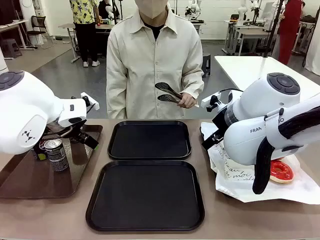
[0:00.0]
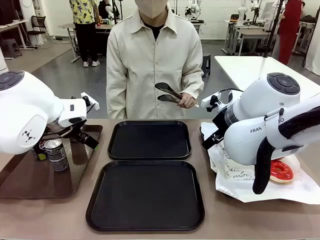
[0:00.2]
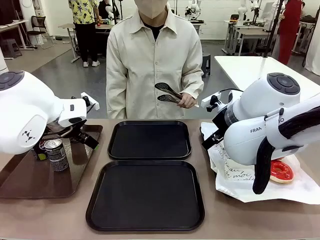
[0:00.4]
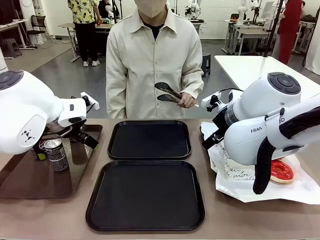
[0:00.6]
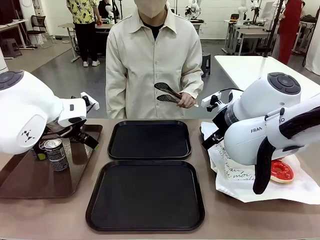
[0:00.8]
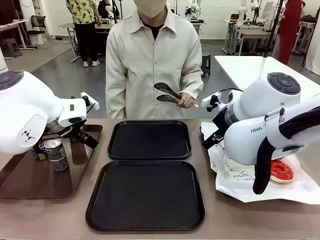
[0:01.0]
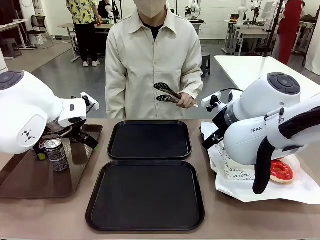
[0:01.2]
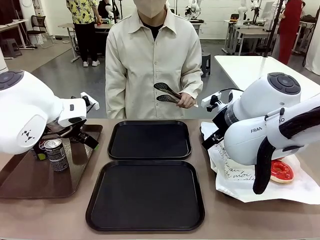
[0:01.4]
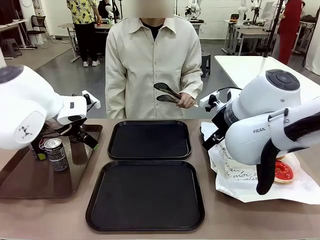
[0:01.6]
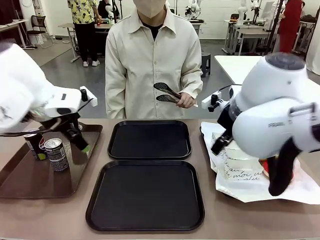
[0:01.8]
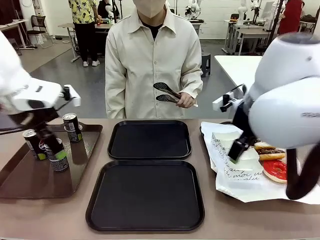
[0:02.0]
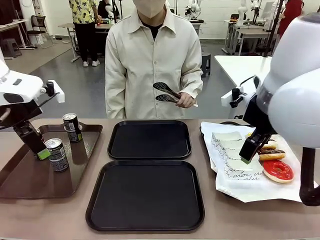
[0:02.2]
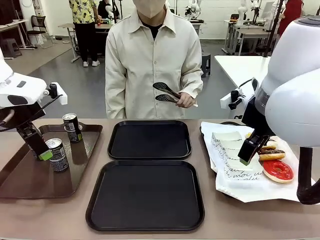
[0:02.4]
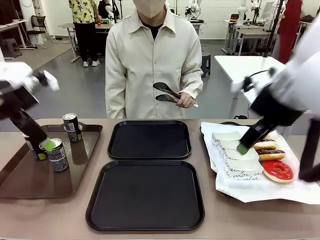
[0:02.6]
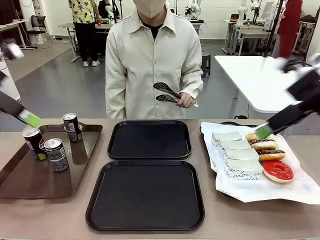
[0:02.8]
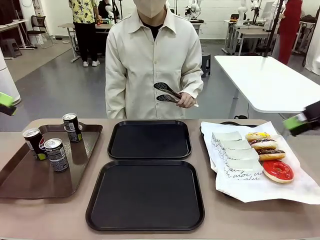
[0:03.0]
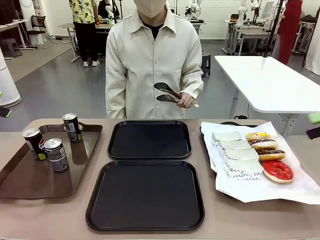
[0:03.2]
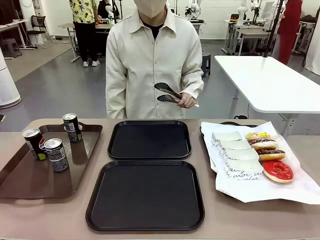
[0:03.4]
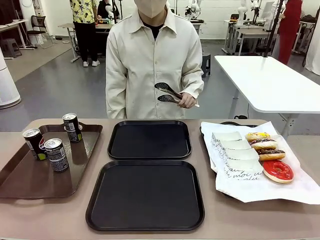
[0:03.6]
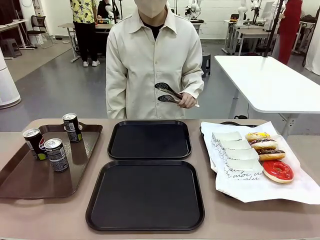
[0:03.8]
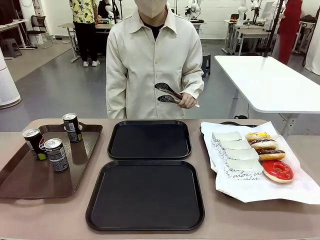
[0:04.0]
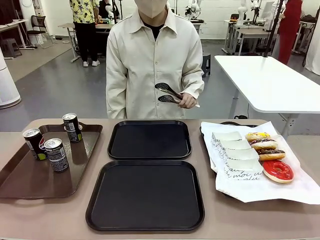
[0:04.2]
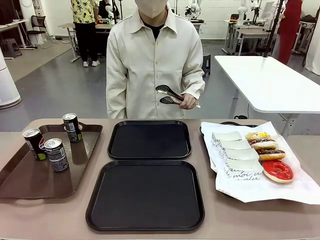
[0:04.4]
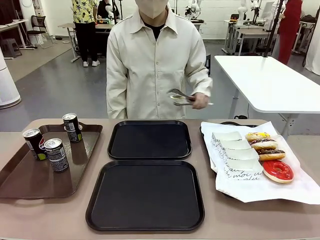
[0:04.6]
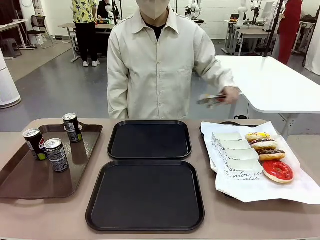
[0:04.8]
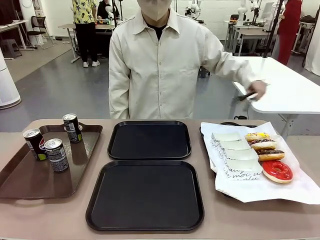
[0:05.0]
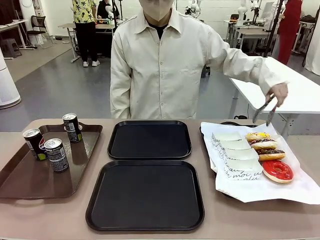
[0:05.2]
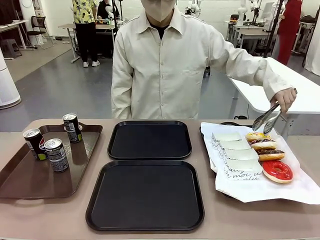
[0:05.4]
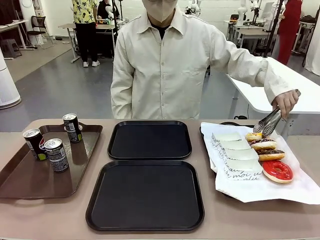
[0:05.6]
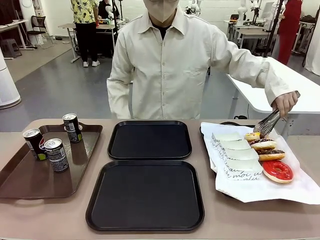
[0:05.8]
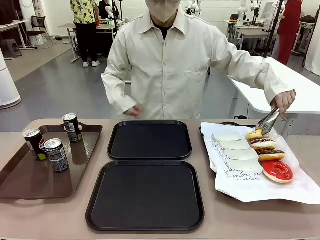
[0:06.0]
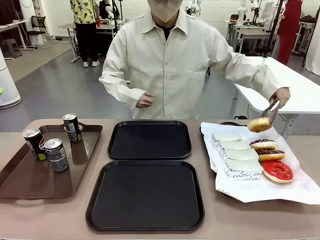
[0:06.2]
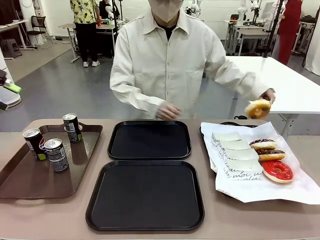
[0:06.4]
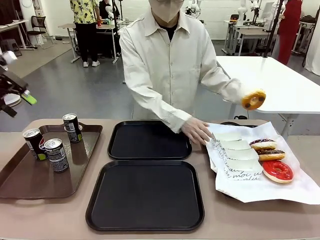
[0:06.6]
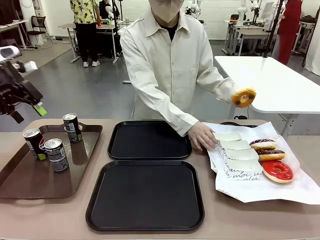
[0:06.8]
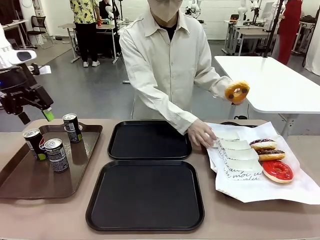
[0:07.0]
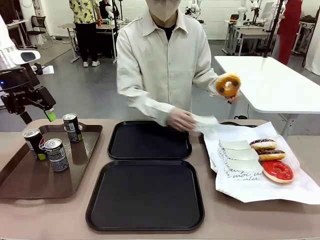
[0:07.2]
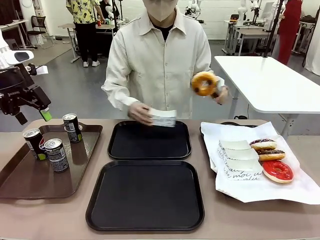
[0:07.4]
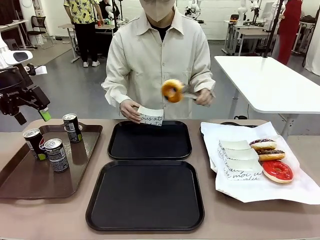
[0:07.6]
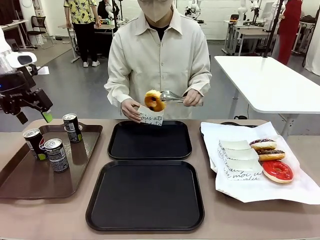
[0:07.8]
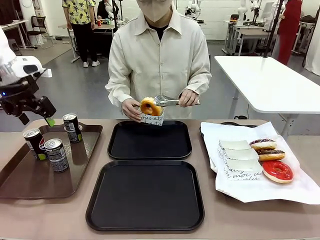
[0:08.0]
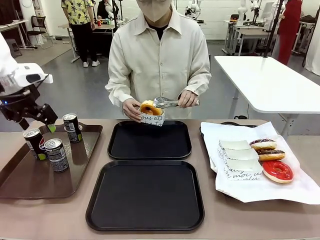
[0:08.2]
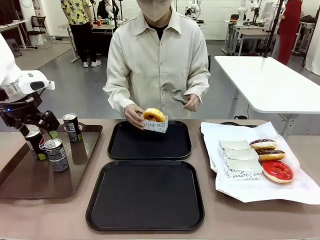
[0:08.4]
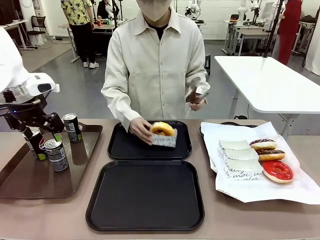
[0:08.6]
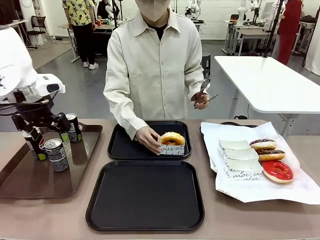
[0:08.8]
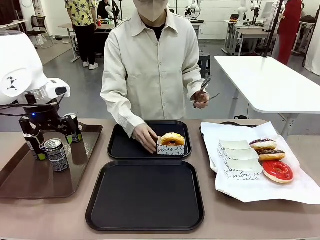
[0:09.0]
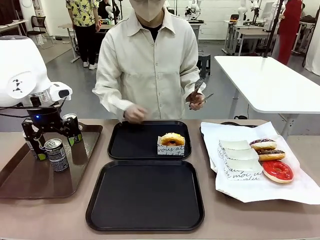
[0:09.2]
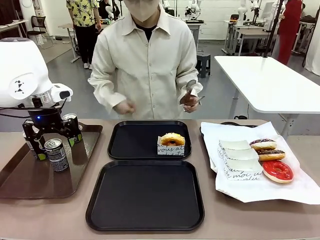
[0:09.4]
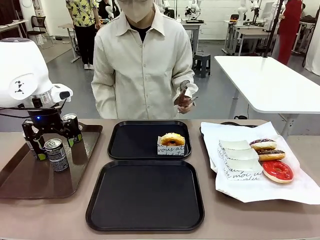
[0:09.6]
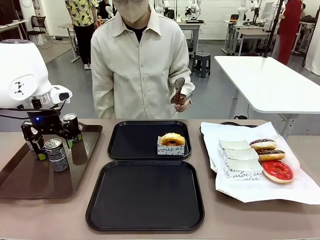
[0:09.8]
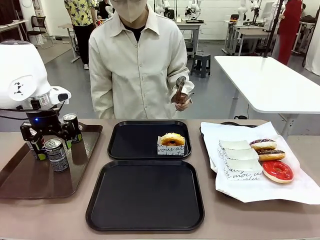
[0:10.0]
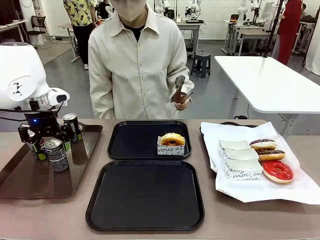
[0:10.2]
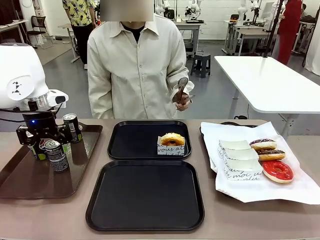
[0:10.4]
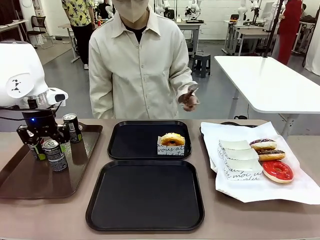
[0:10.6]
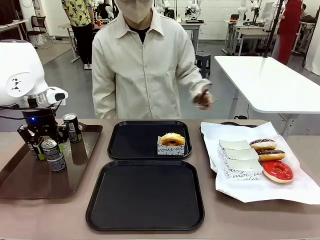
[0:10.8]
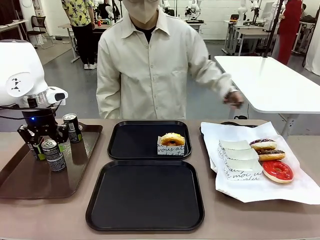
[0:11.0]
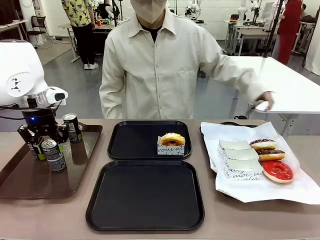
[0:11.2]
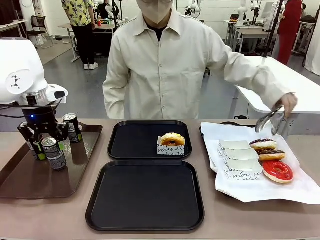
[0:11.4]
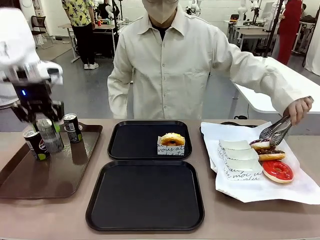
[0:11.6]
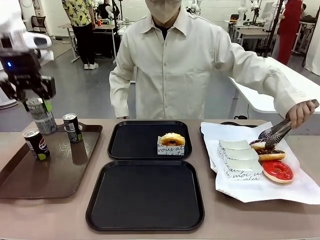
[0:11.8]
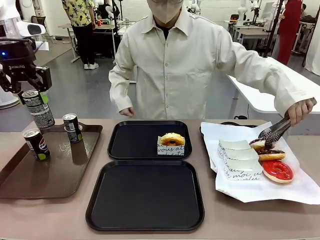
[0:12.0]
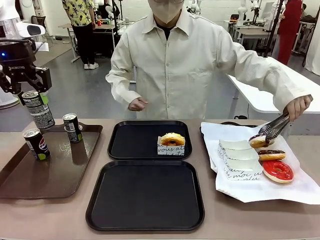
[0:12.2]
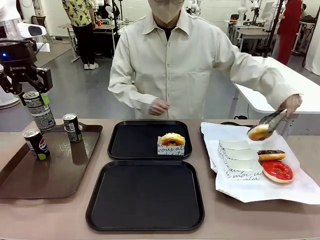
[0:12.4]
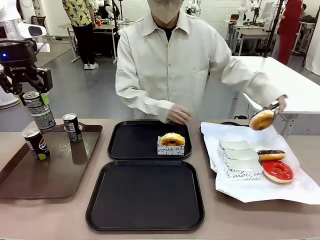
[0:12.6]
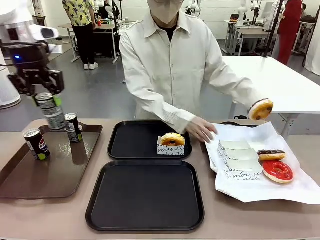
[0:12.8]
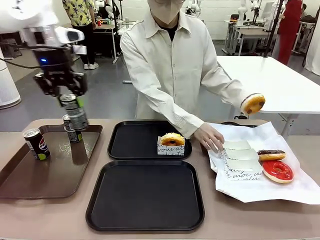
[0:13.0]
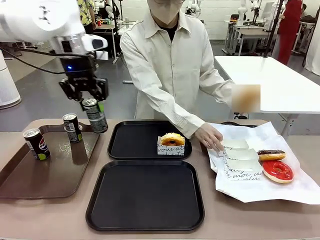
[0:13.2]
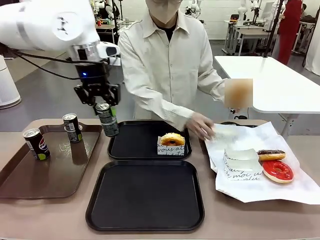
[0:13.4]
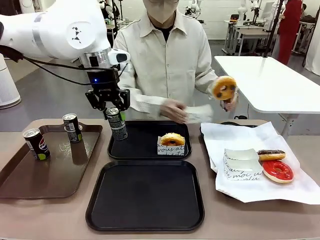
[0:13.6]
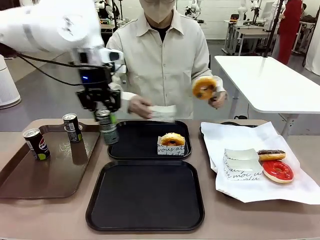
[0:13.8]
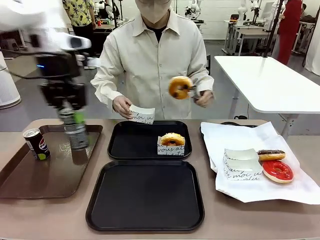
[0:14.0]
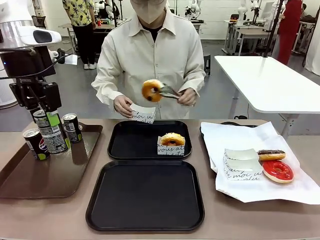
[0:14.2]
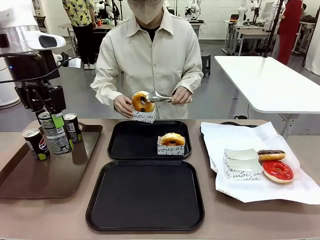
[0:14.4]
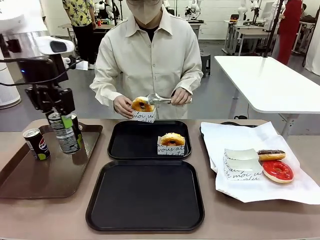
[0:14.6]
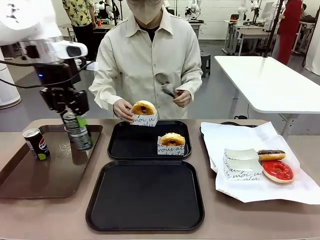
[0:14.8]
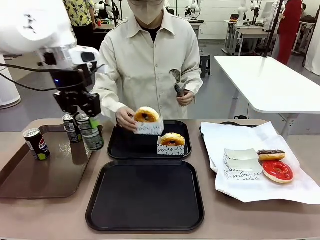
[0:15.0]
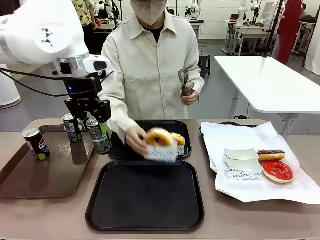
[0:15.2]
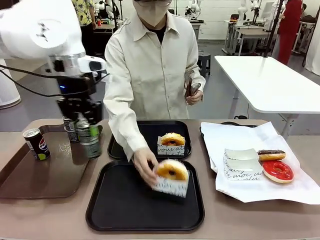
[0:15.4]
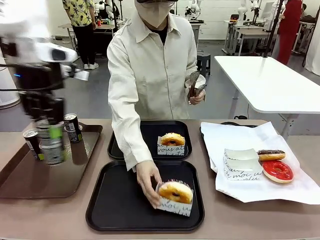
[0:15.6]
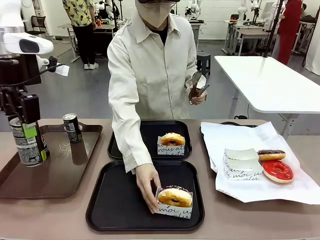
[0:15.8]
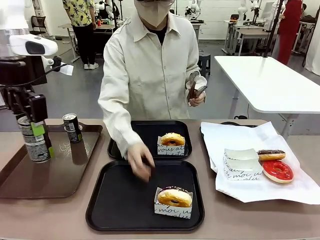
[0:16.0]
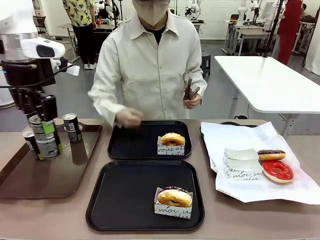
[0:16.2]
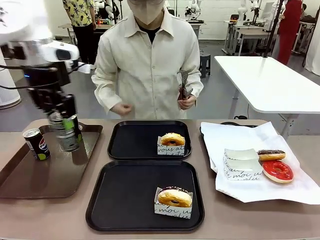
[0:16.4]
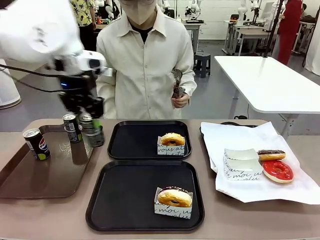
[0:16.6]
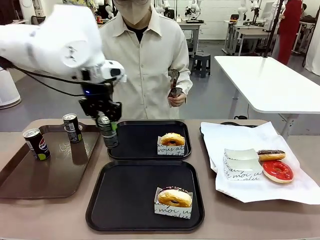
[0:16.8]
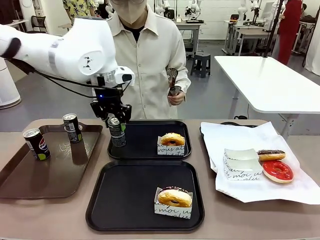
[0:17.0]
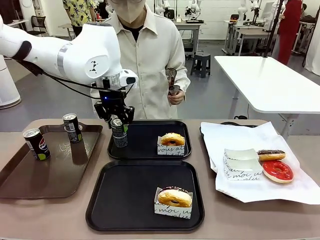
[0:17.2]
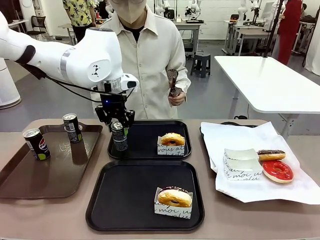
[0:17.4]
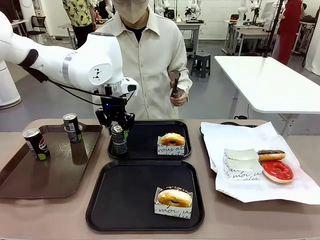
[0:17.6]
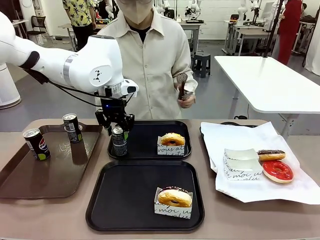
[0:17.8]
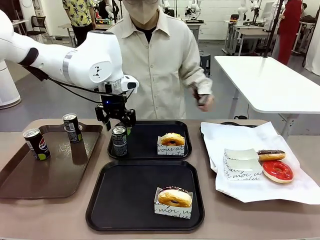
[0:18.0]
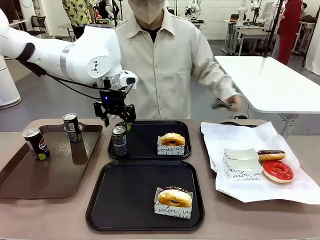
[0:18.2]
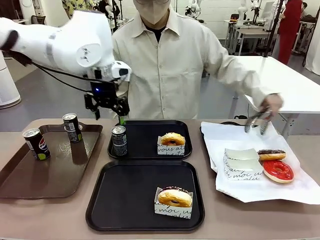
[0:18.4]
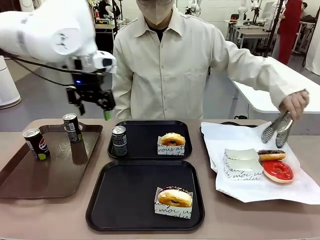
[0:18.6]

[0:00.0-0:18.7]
Task: Set up donuts and drinks on trays.
Robot: Pick up one Pepsi coke and place it on the Flat Tray.
Person: Pick up one donut with tongs, place it in the donut tray, and then place the donut tray on the flat tray.
